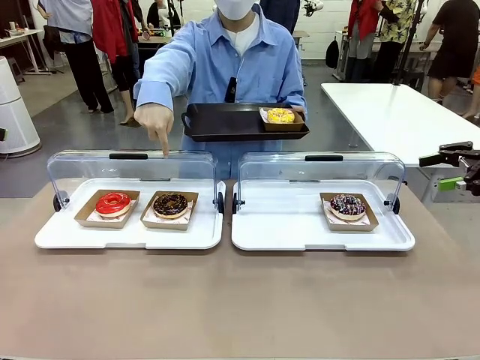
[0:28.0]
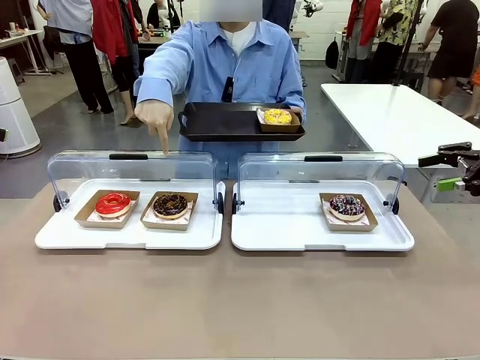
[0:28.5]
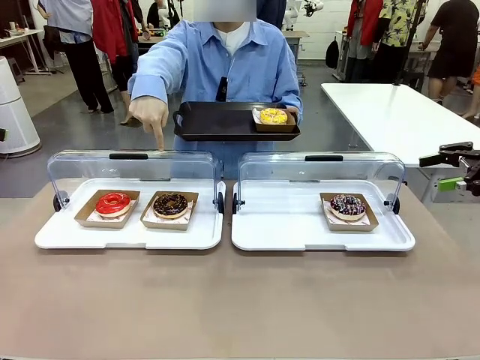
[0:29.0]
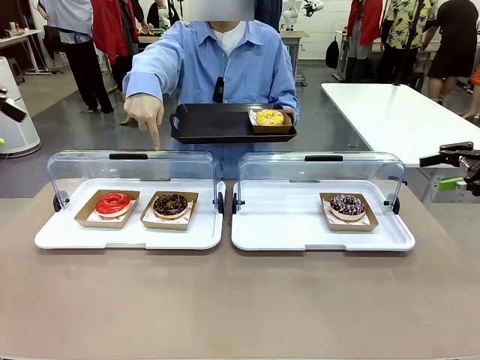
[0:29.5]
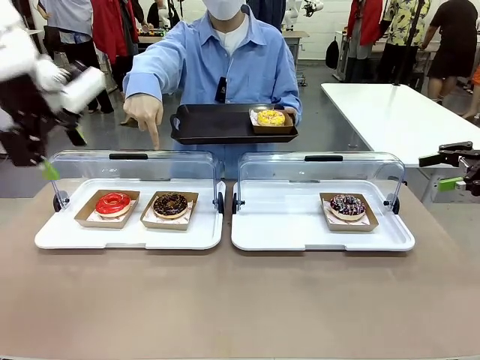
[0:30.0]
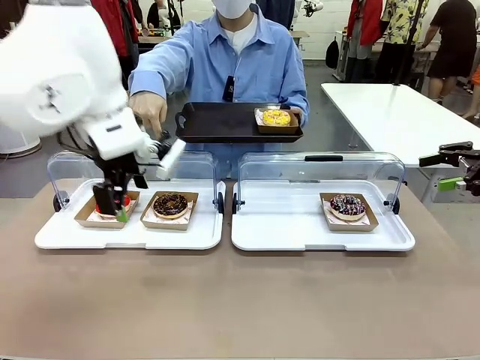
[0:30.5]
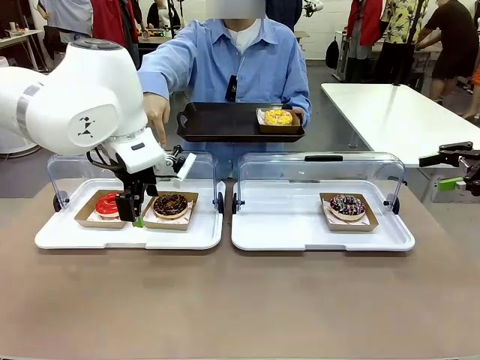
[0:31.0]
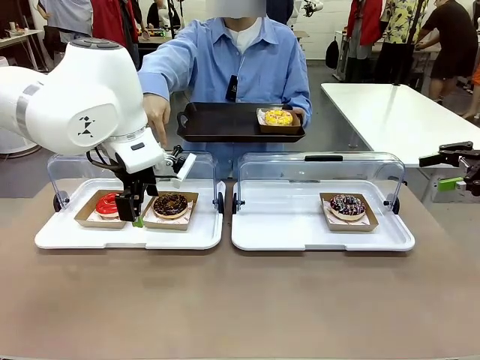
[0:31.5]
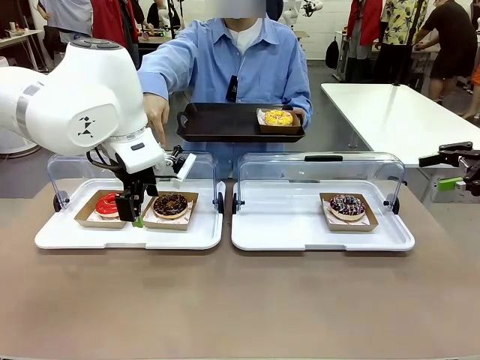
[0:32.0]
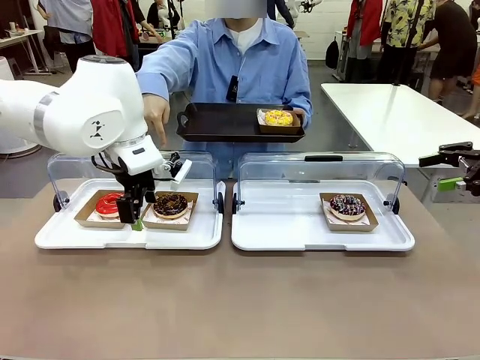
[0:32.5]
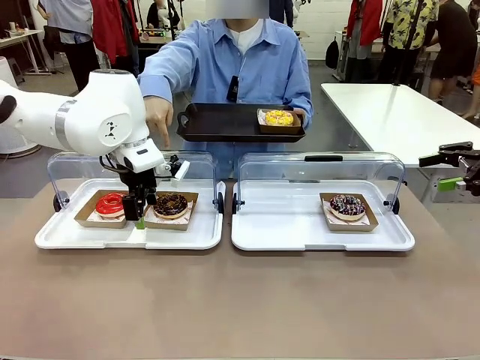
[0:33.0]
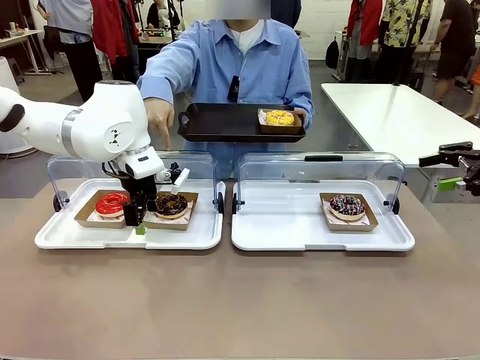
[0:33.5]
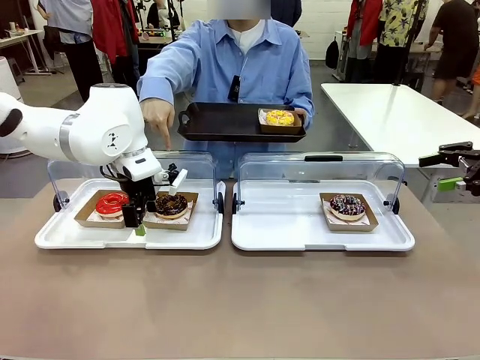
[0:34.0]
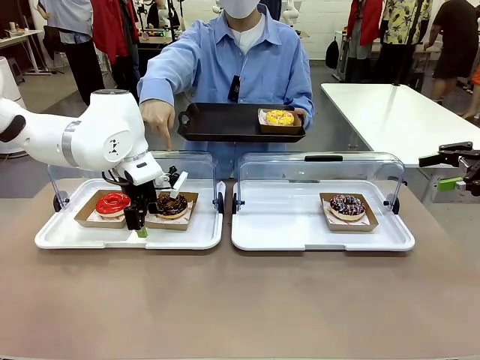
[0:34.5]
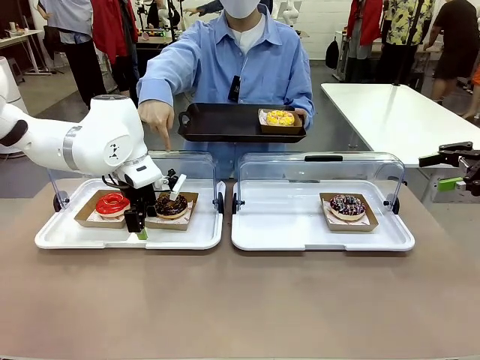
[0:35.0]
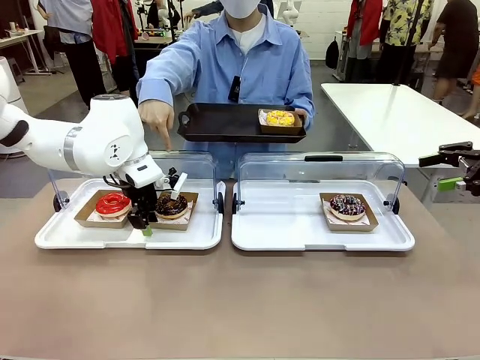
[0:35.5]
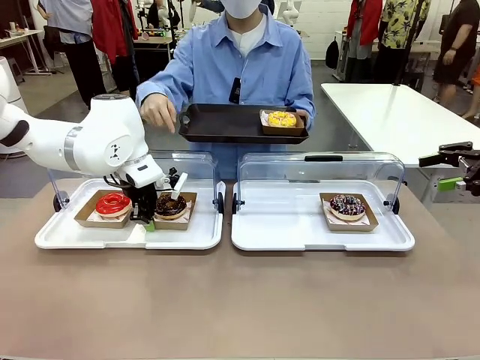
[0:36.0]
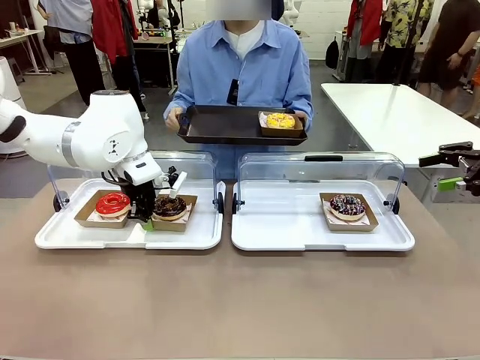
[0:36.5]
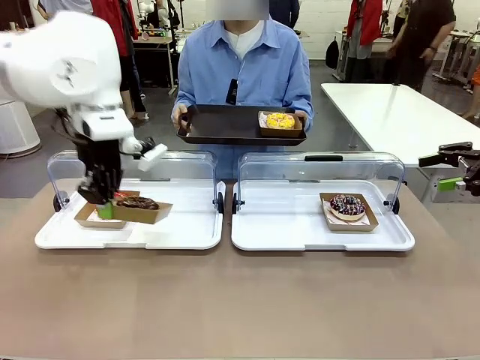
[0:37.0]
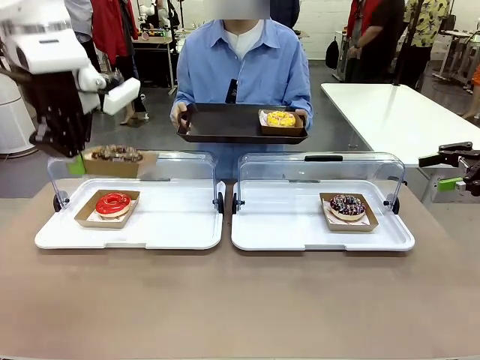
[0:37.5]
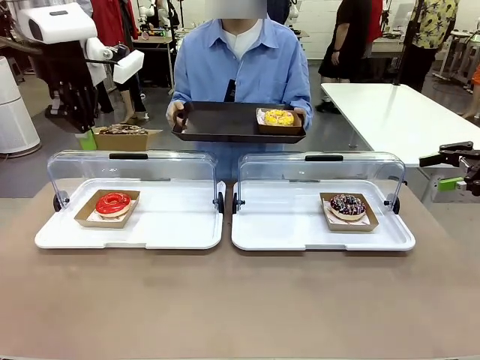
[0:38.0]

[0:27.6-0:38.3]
Task: Provide the desired donut to the person.
Robot: Pick up and lift the Paper togo box containing the Donut pointed at by the person.
Person: Lift the tray onto the Roll-Top Bakery Case.

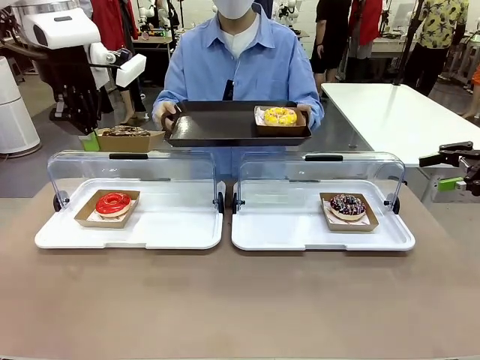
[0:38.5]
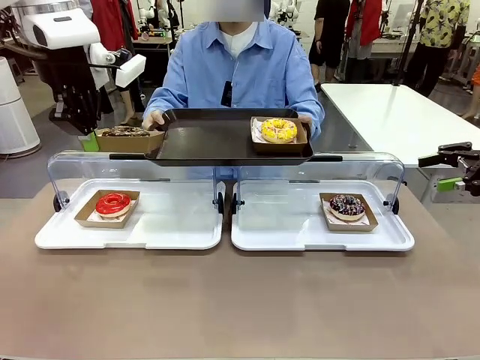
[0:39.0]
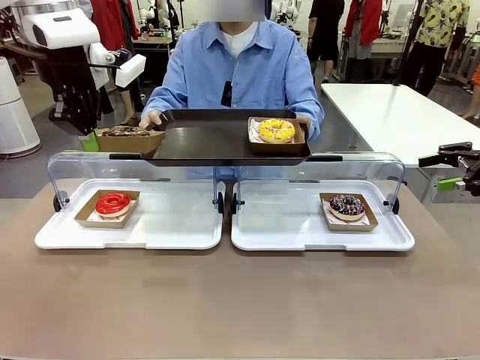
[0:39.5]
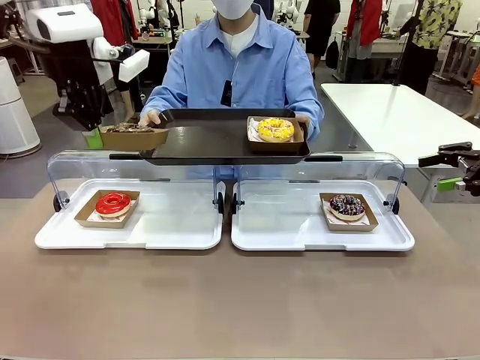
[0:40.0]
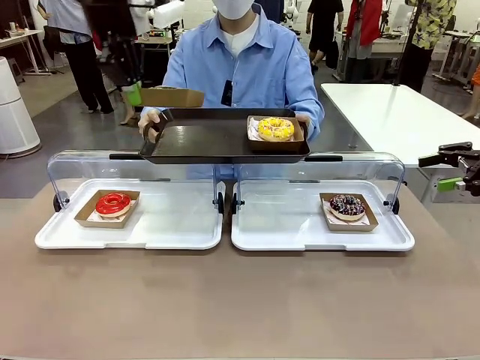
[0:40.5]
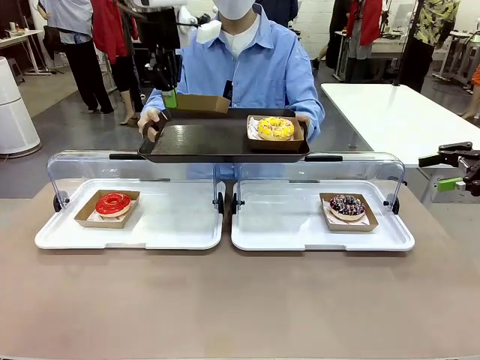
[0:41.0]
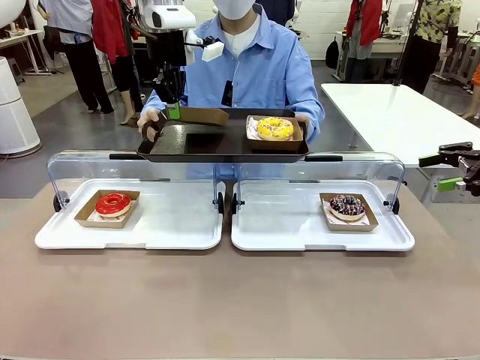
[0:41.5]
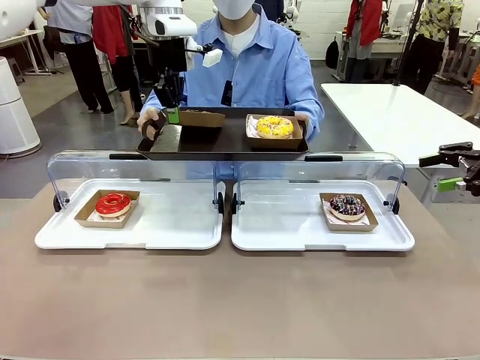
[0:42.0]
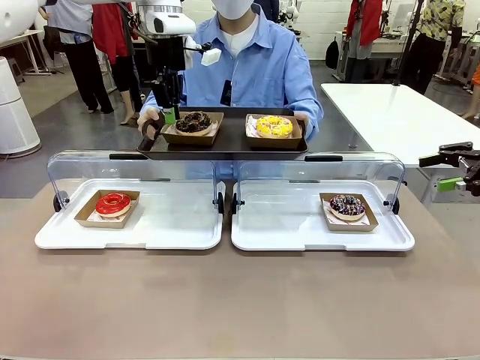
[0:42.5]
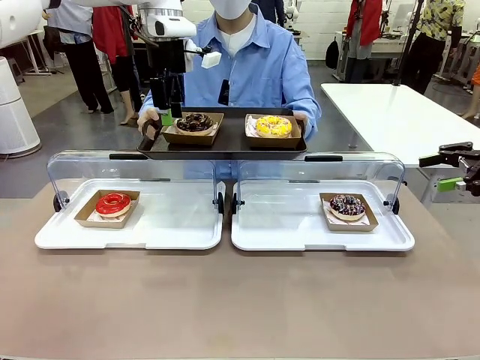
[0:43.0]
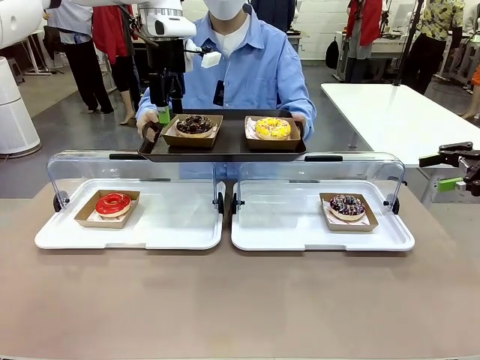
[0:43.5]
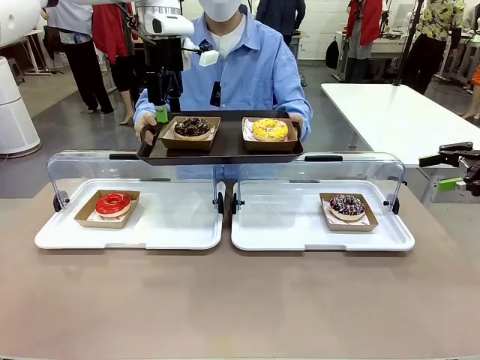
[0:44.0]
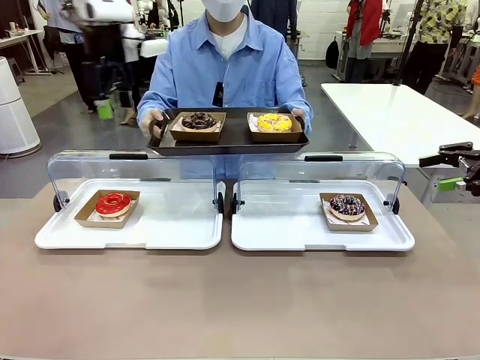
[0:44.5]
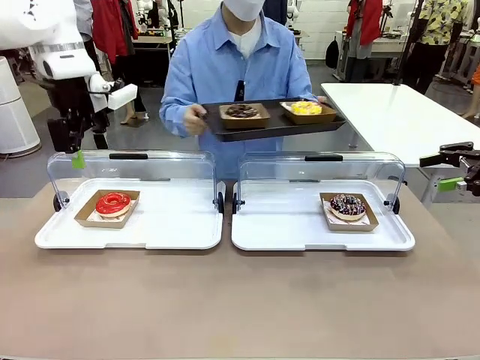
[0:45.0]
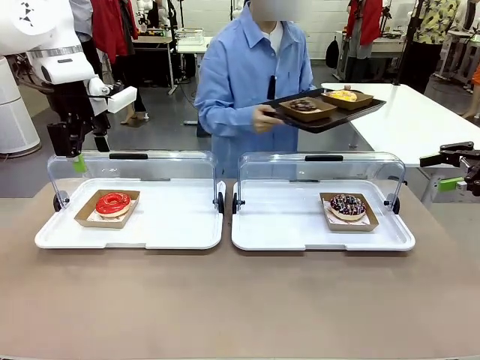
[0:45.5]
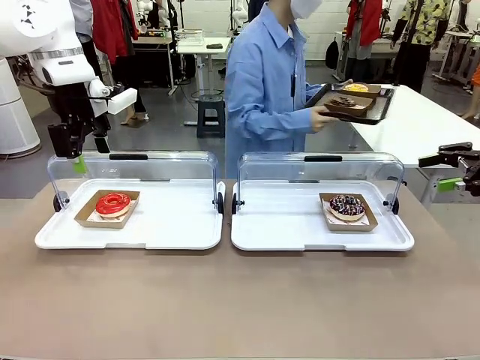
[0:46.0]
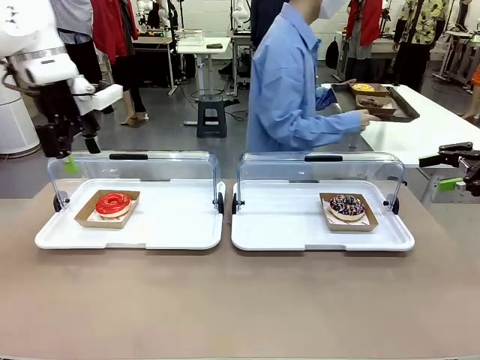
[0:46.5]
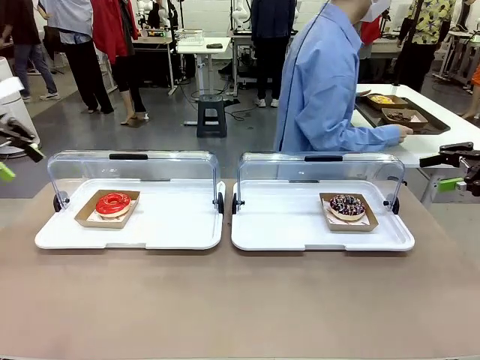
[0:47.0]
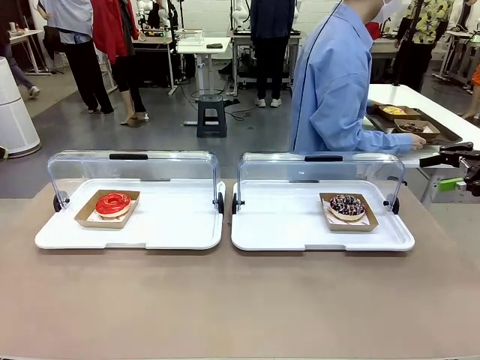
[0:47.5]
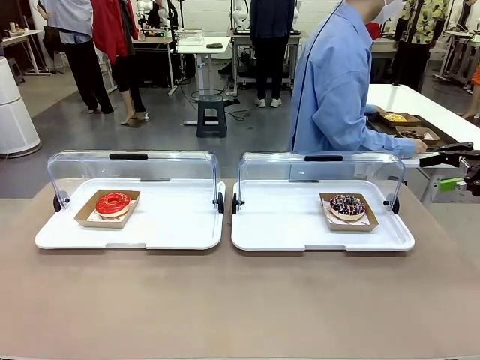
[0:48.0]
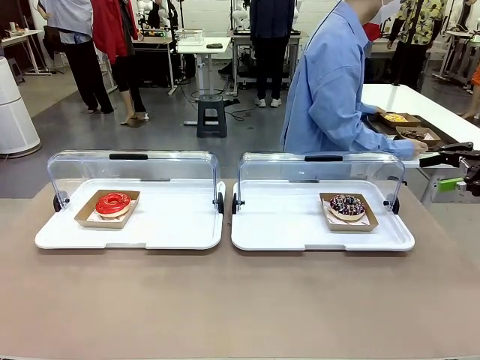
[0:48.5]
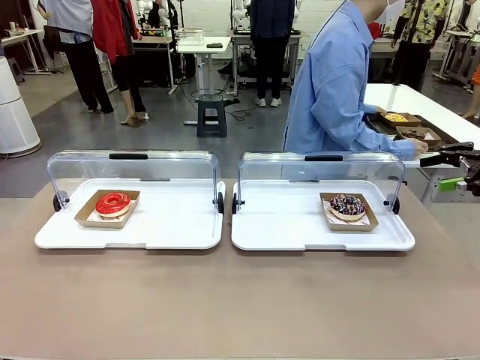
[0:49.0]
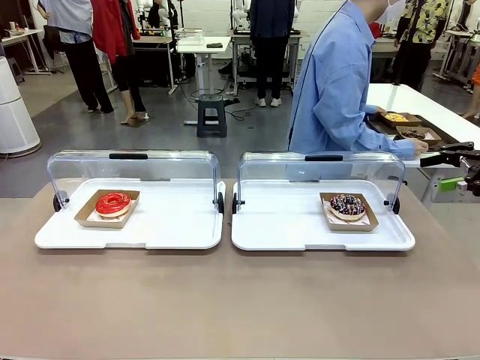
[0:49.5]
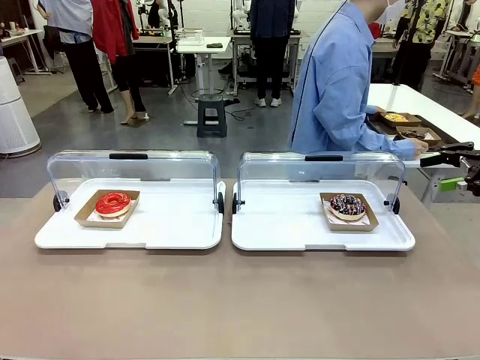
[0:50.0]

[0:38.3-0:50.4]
Robot: Place the picked Paper togo box onto the Handle tray extended by the person.
Person: Place the tray in the middle of the human table.

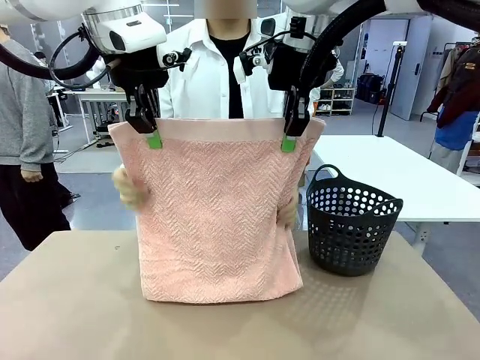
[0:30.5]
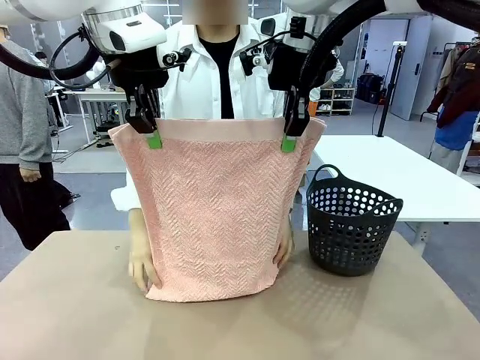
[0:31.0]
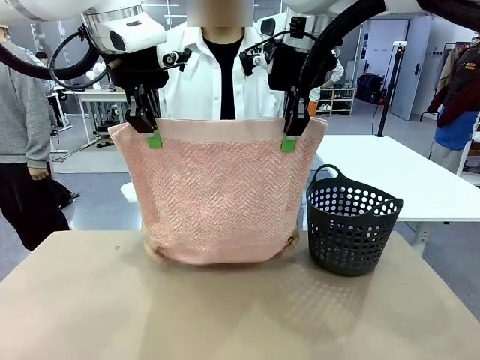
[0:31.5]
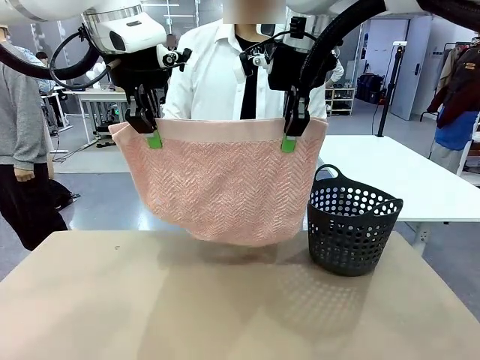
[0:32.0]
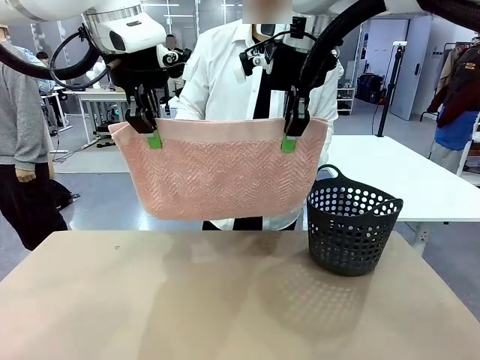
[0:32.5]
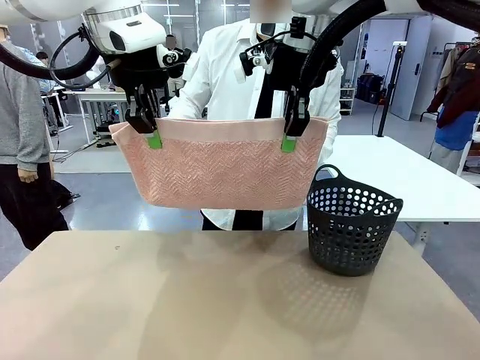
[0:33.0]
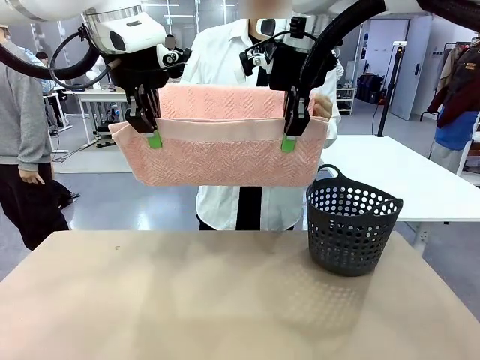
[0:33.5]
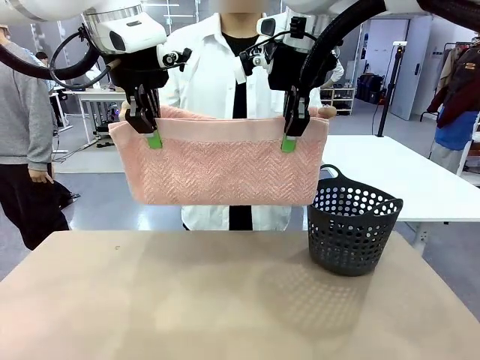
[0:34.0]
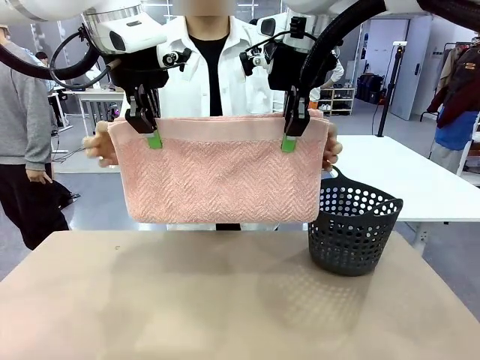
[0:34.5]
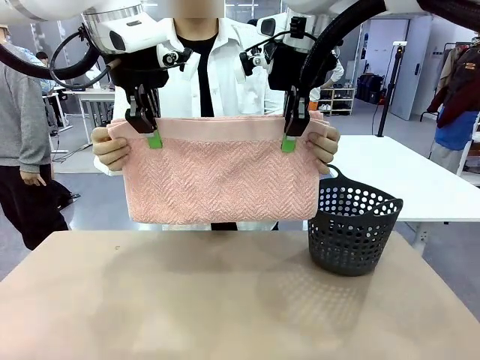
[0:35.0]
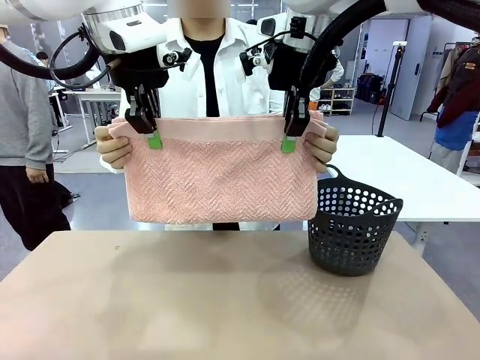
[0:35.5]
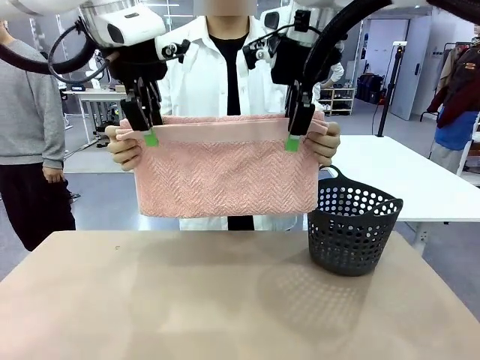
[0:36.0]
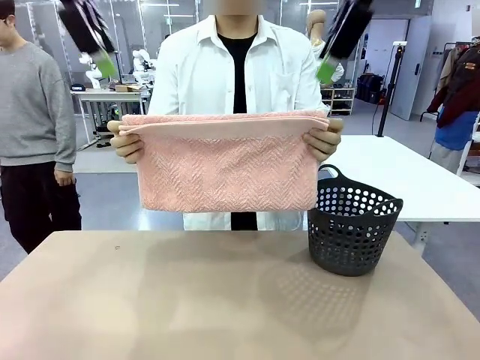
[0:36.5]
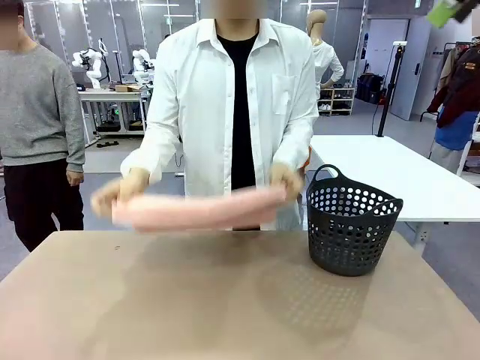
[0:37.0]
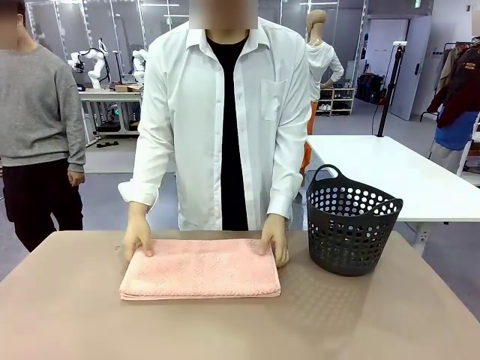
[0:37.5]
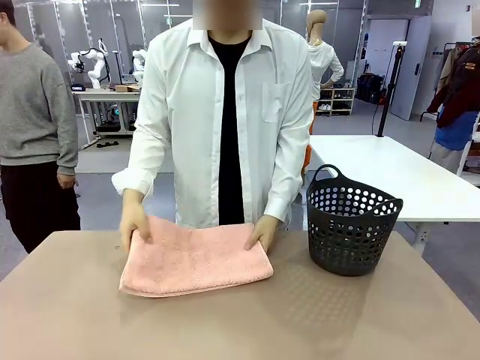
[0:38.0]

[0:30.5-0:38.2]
Task: Fold the towel.
Robot: Release the end of the 100 cm Hotel Towel you were holding.
Person: Place the towel at the center of the robot table and fold it in half.
